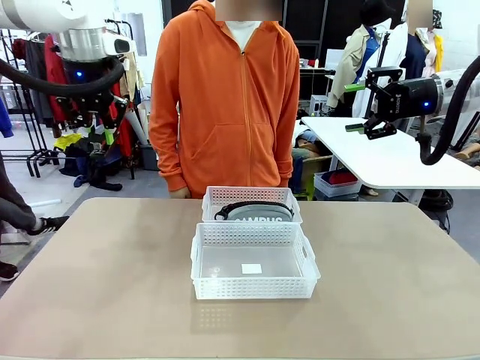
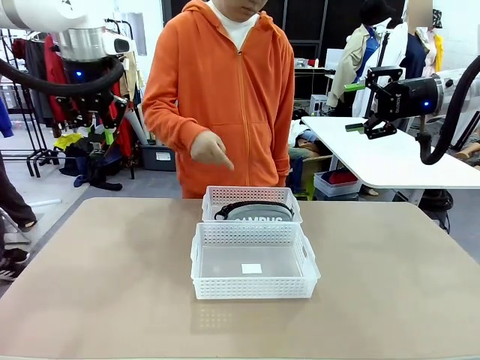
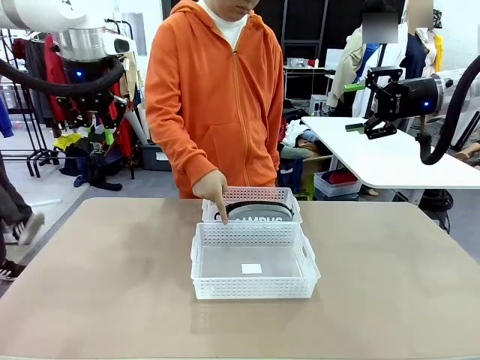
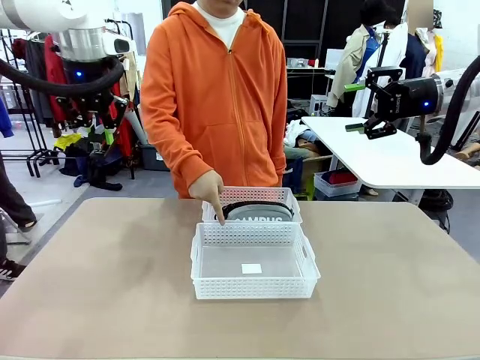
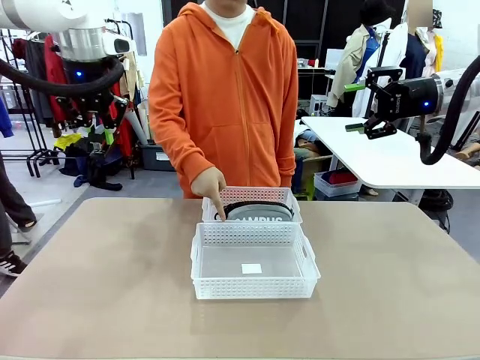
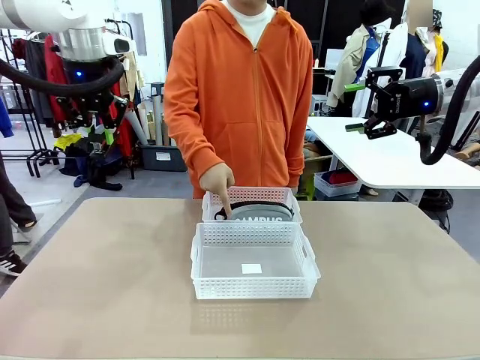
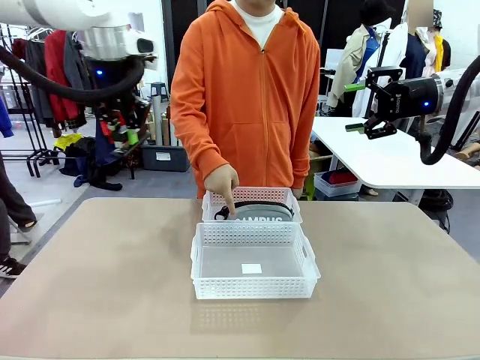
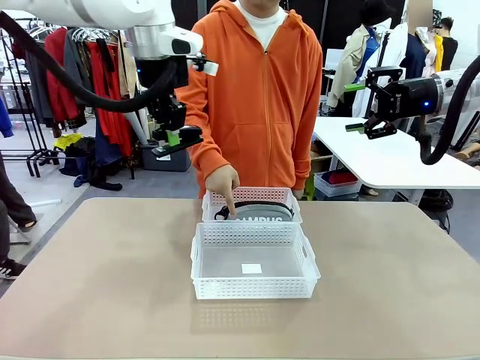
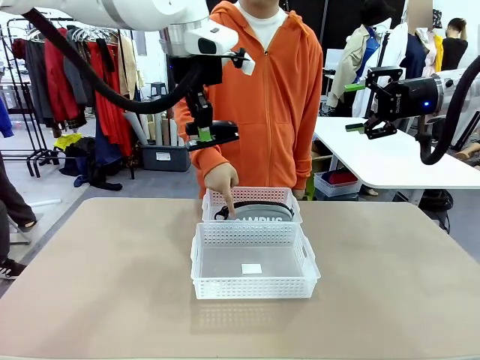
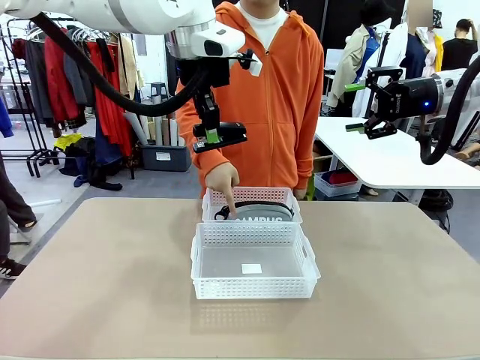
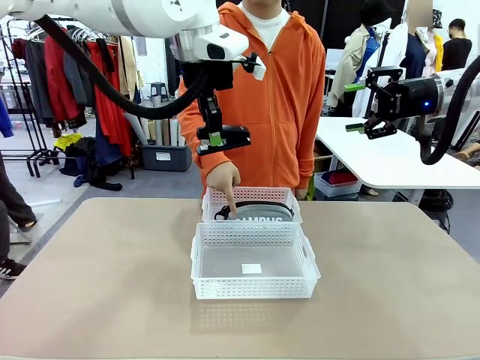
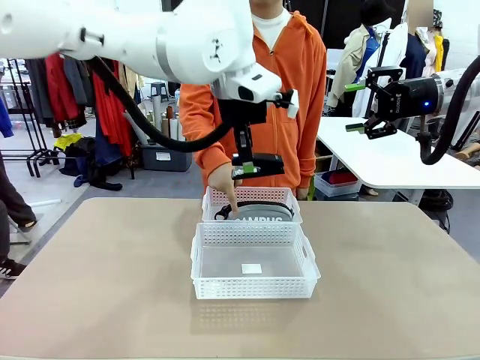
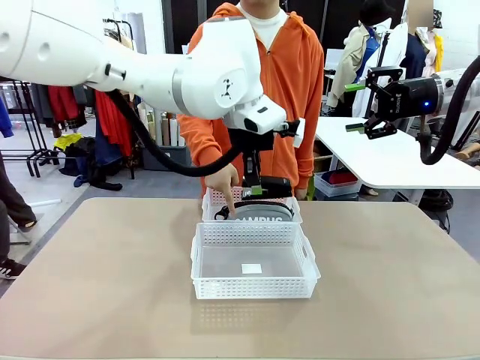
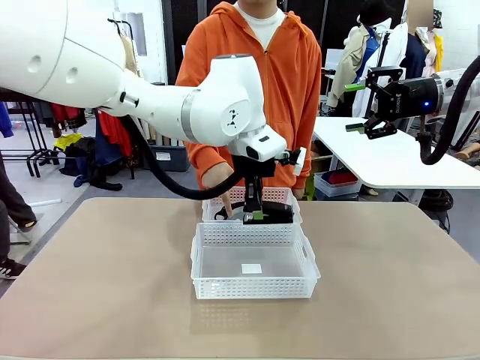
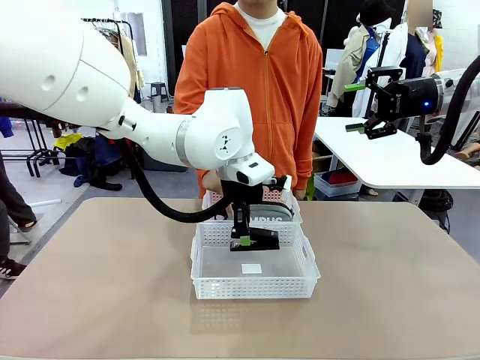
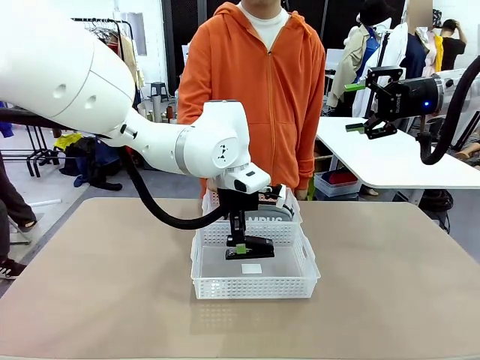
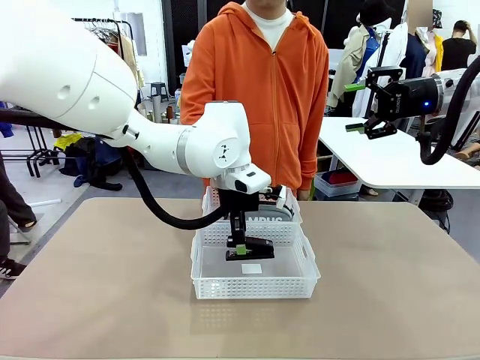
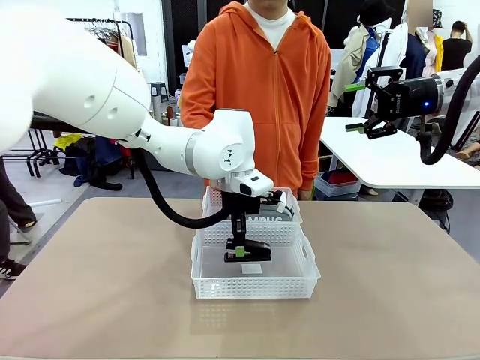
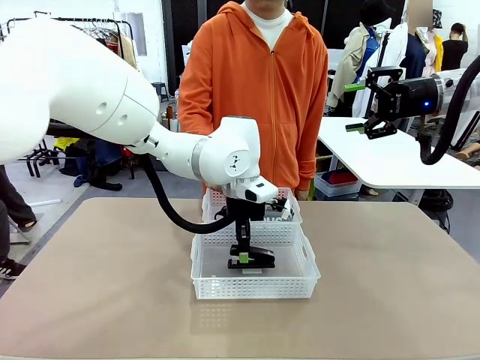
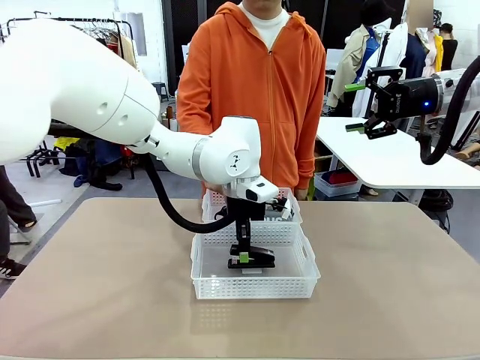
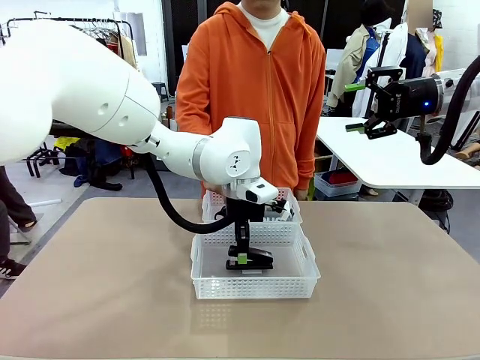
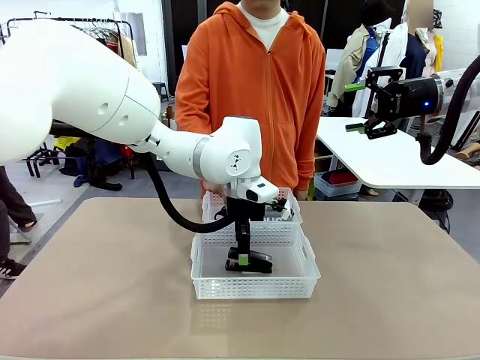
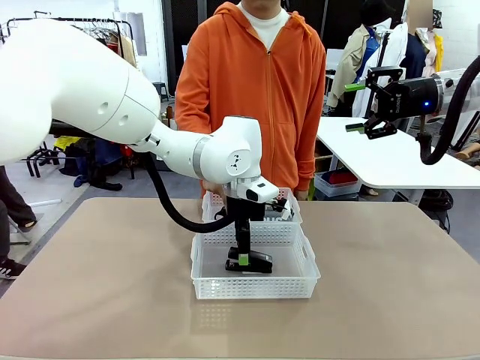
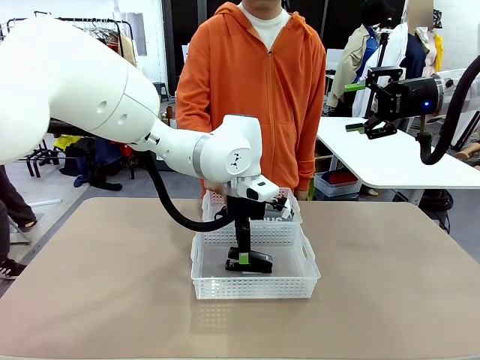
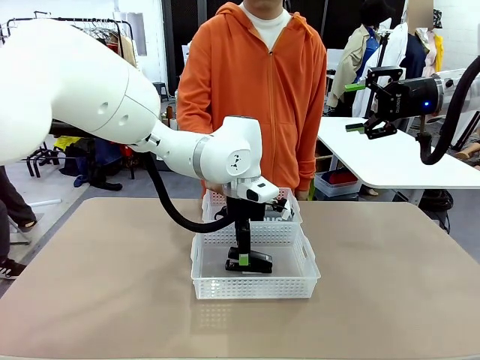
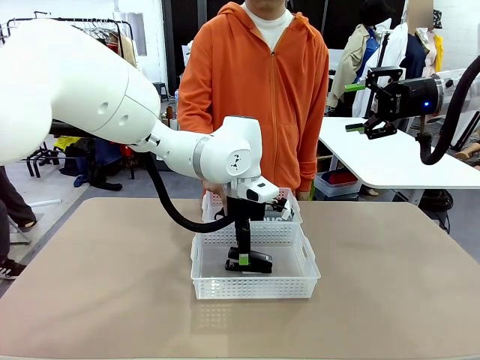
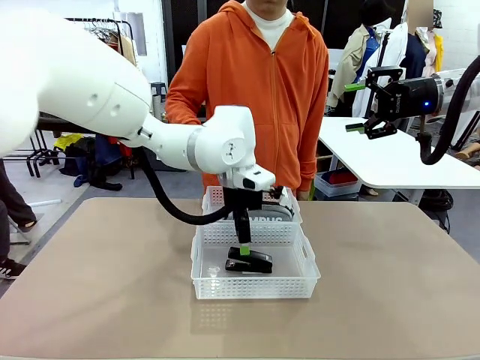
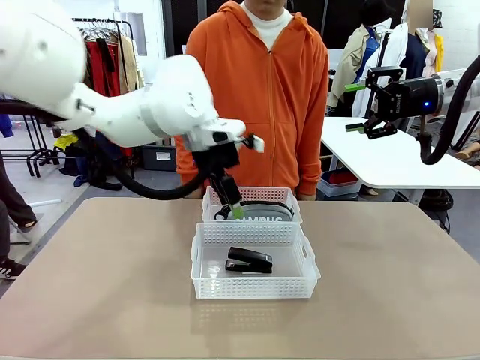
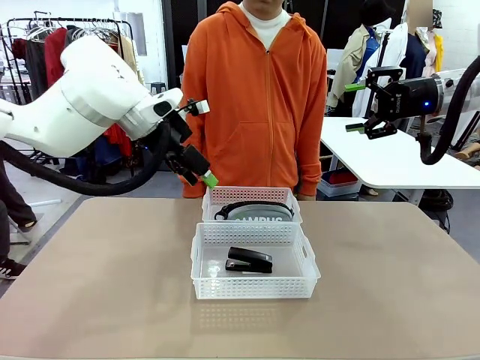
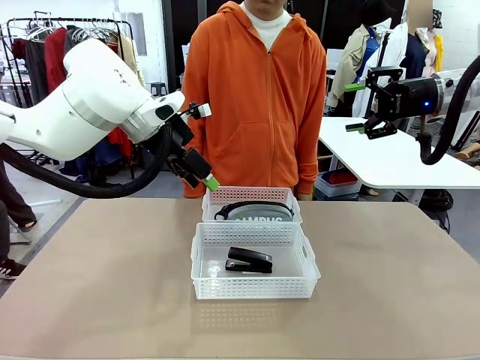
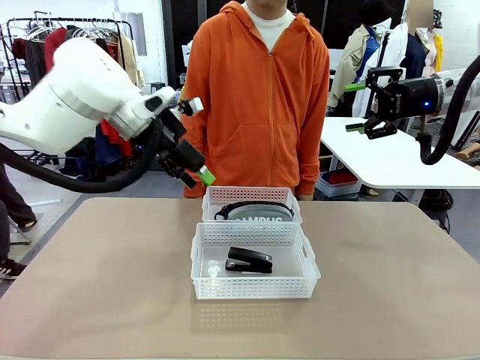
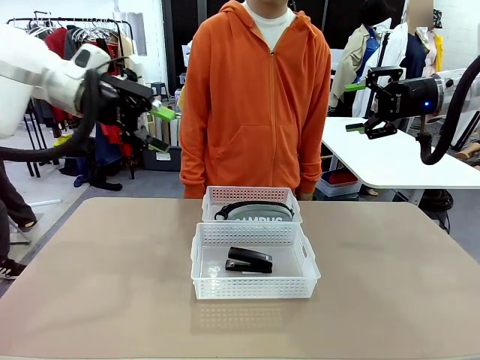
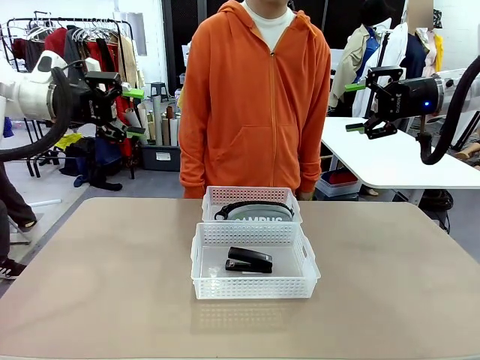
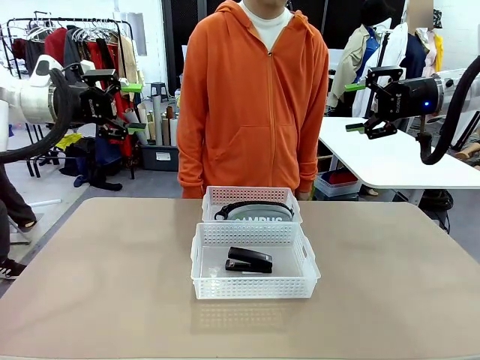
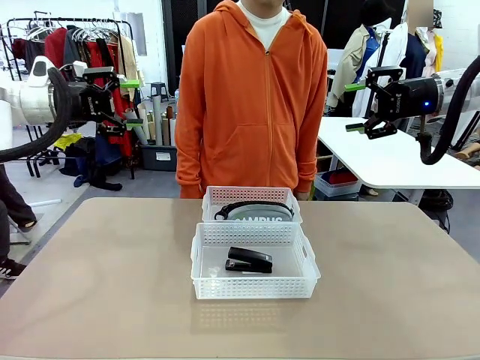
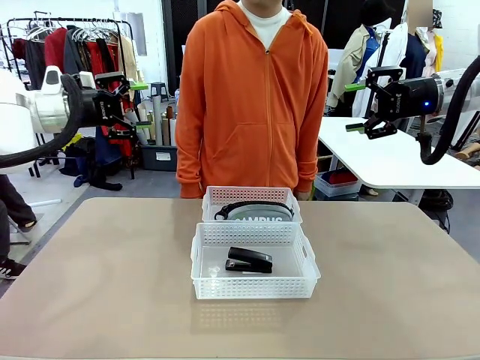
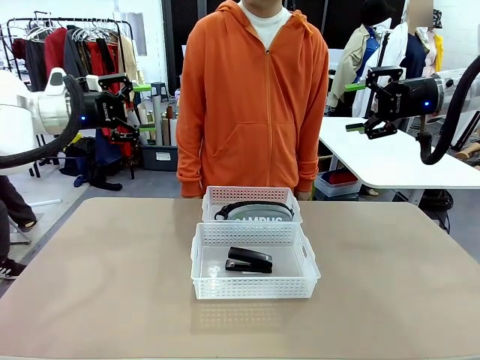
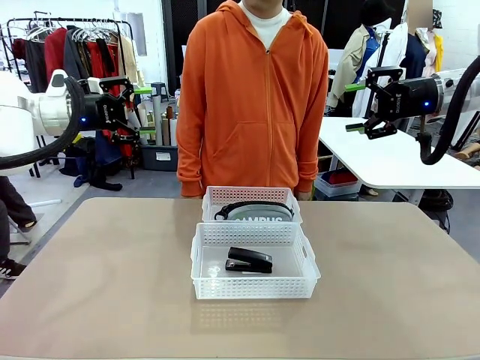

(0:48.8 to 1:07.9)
Task: Distribute items into two baskets.
Robot: Place the picked Stapler into the Organizing basket as instructed by the person.
Person: Points to the basket that does not contain the pencil case and instructs the robot to move the stapler there.

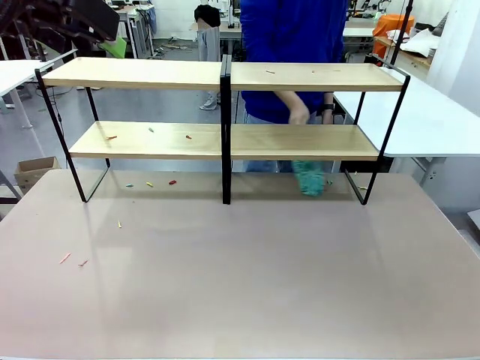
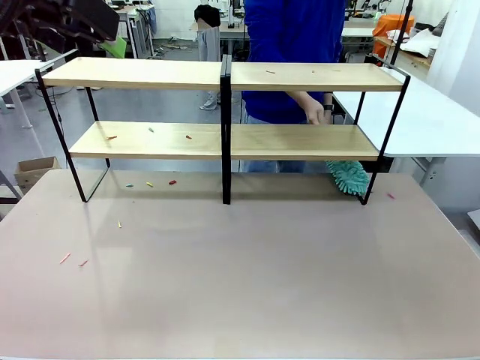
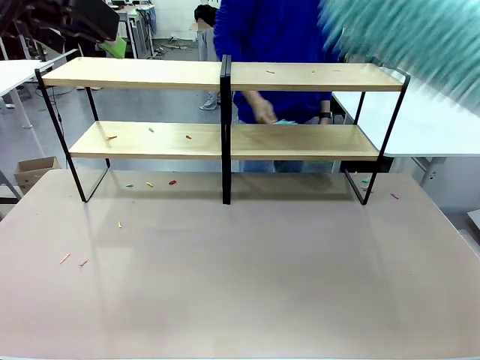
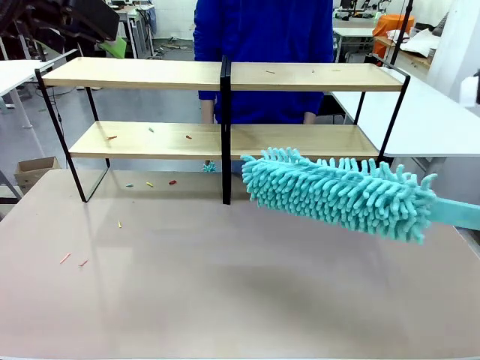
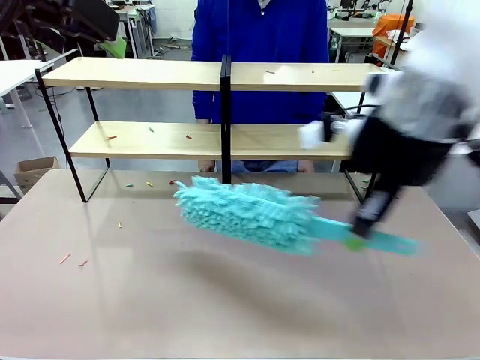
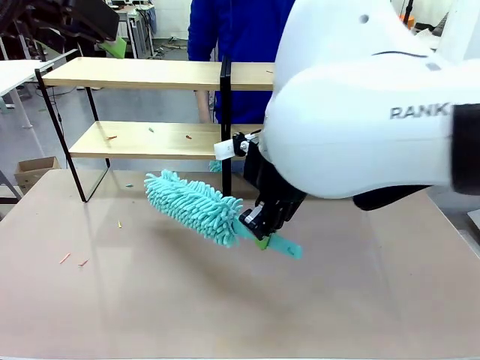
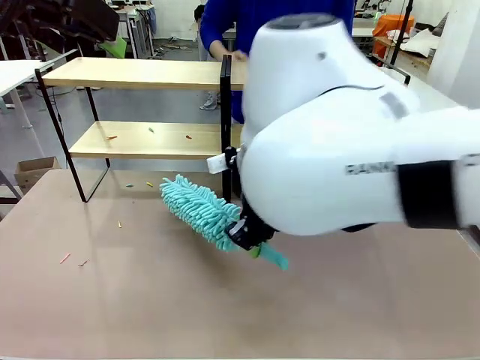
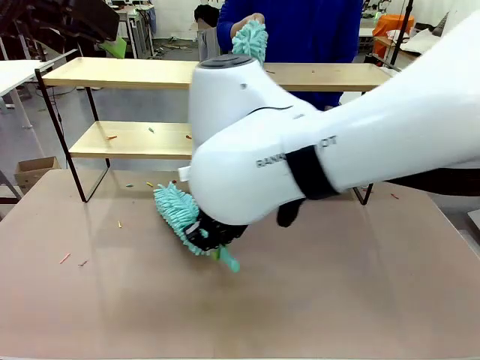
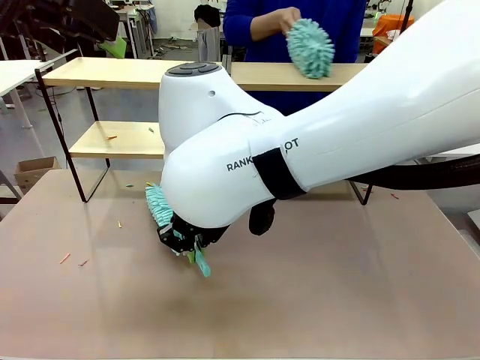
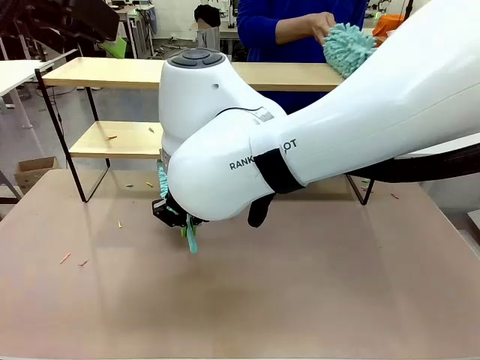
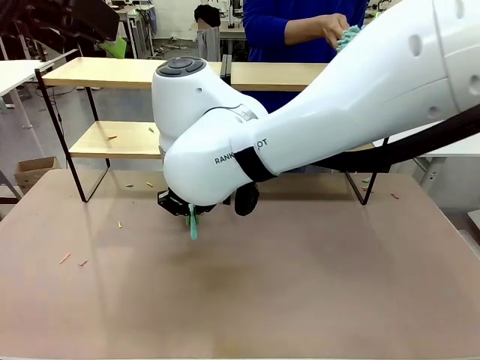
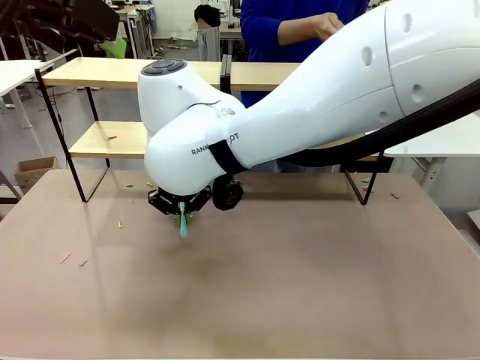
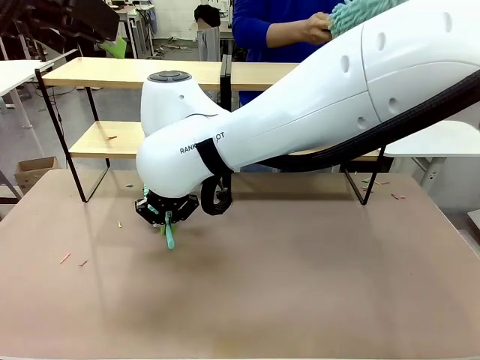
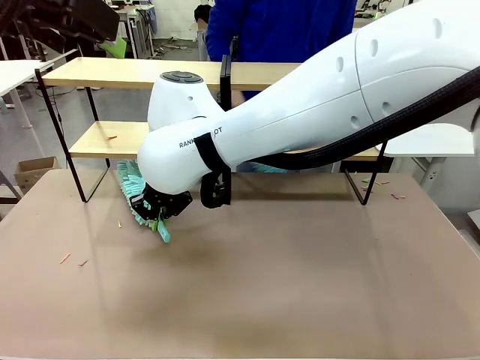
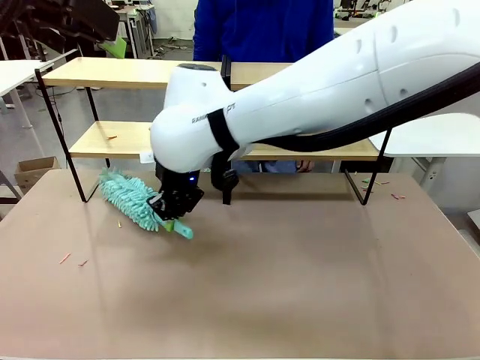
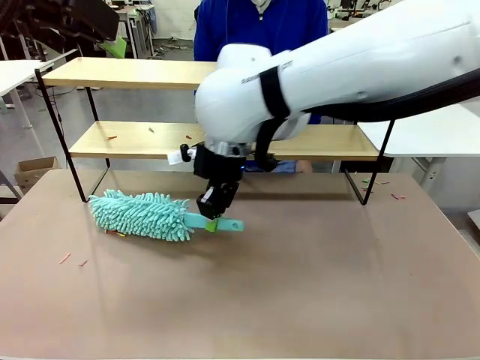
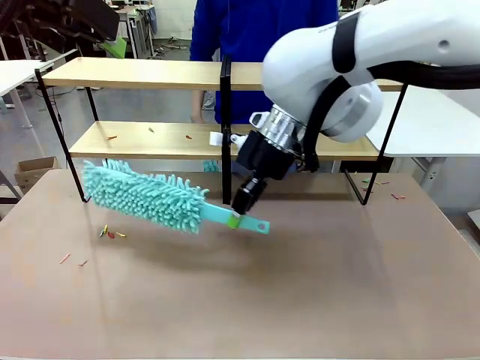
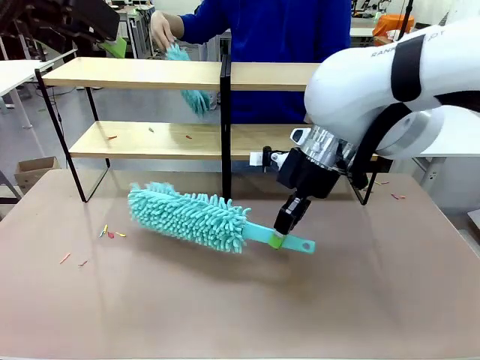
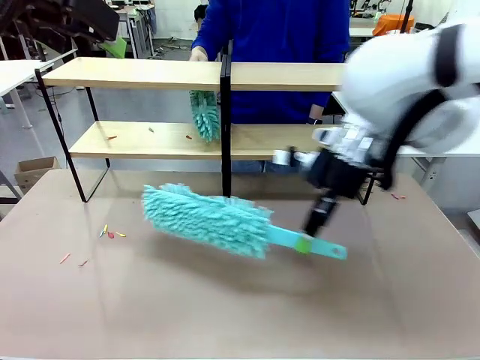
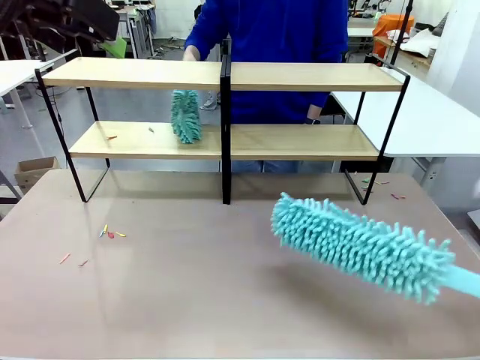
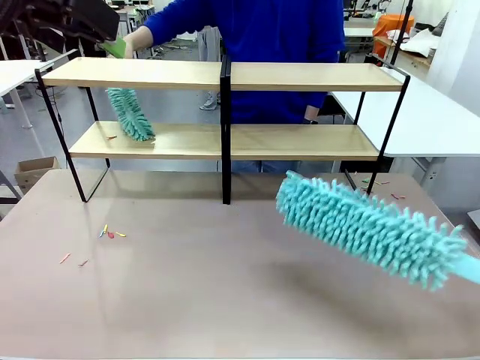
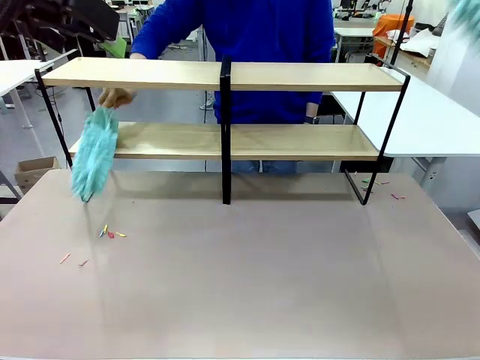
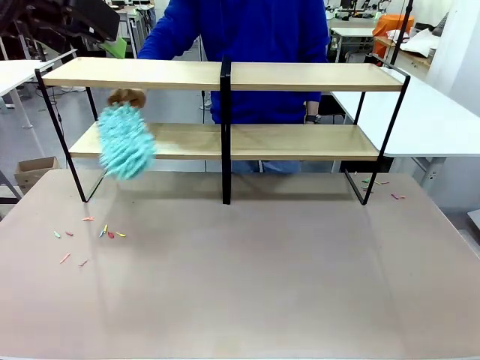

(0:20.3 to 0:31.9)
Task: Clean the shelves.
Robot: Clean another randomly selected level of the Shelf with the Duster.
